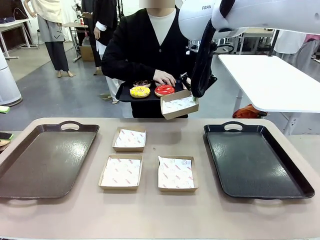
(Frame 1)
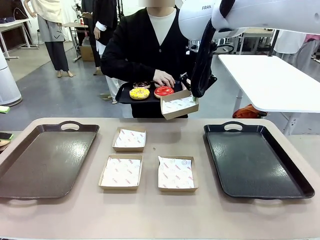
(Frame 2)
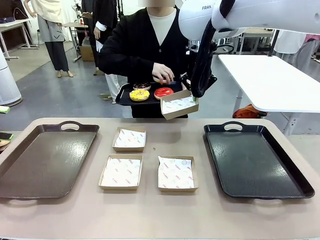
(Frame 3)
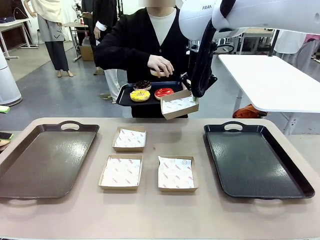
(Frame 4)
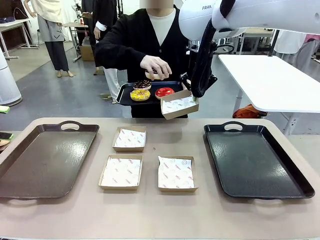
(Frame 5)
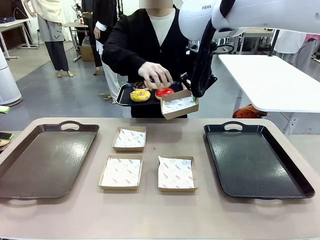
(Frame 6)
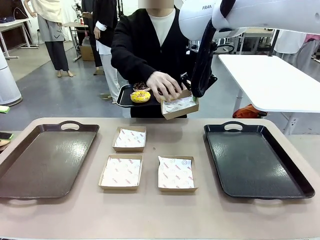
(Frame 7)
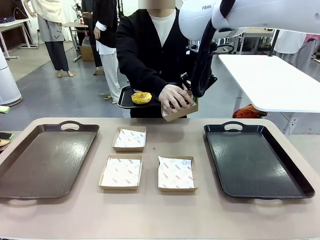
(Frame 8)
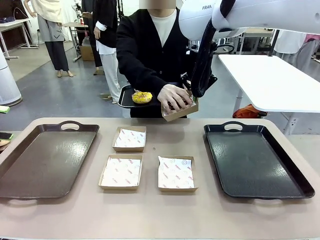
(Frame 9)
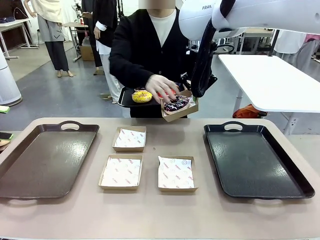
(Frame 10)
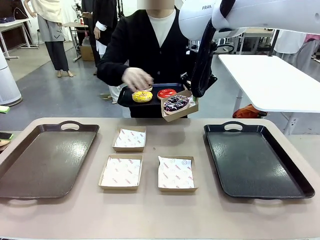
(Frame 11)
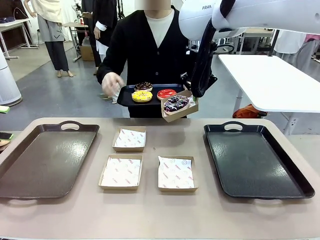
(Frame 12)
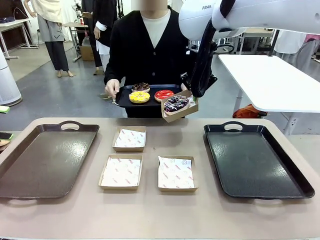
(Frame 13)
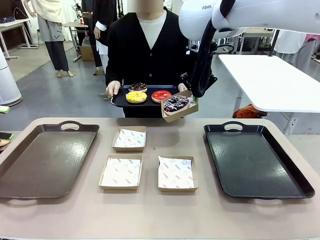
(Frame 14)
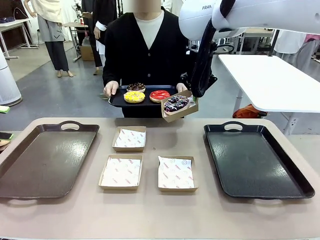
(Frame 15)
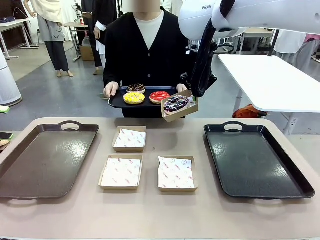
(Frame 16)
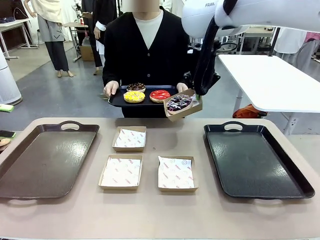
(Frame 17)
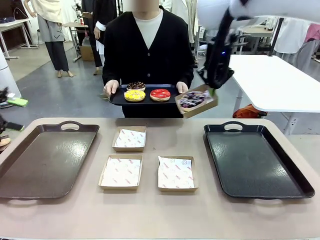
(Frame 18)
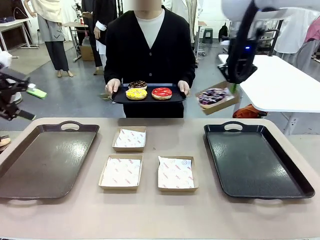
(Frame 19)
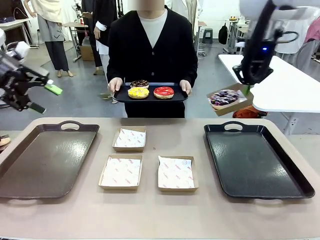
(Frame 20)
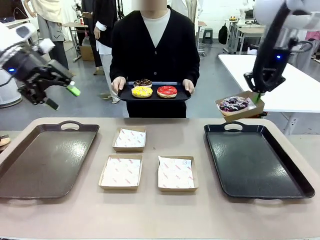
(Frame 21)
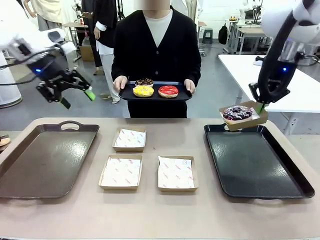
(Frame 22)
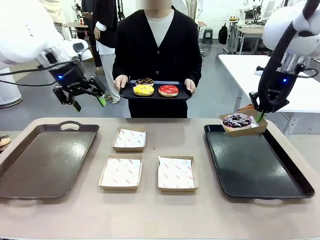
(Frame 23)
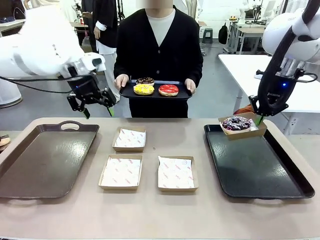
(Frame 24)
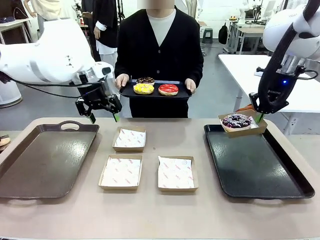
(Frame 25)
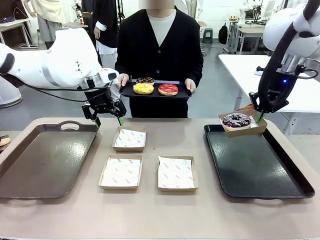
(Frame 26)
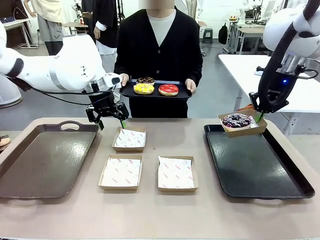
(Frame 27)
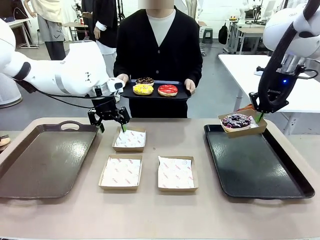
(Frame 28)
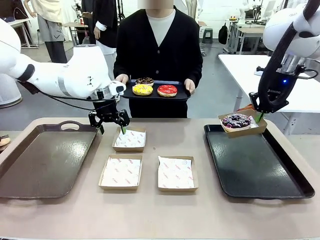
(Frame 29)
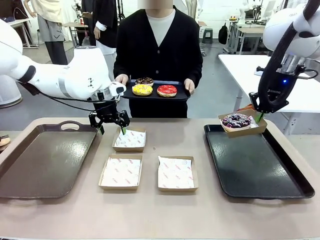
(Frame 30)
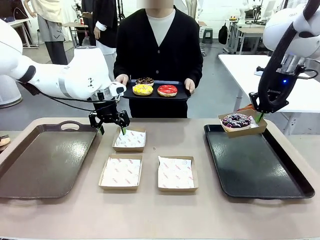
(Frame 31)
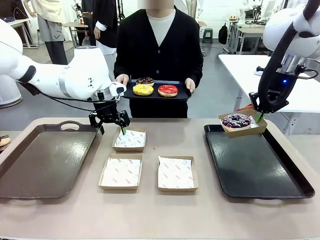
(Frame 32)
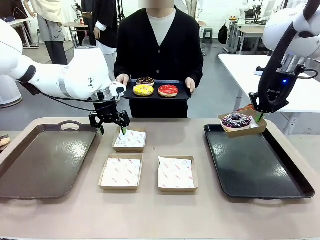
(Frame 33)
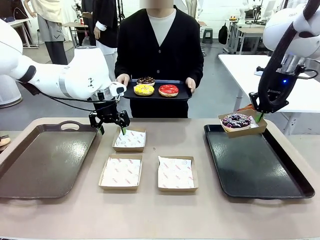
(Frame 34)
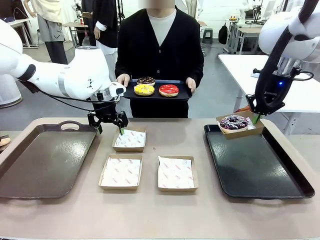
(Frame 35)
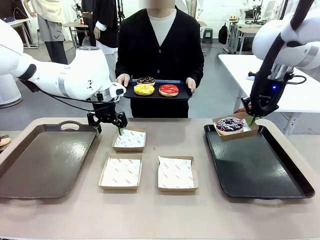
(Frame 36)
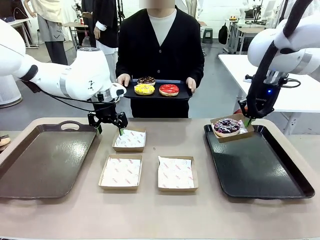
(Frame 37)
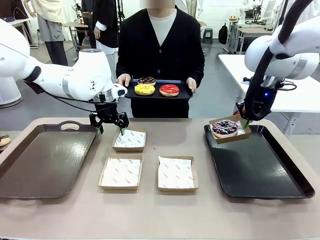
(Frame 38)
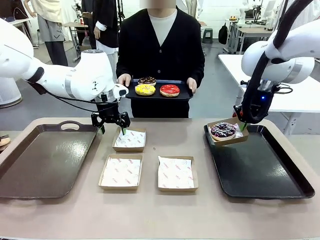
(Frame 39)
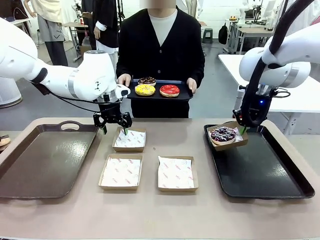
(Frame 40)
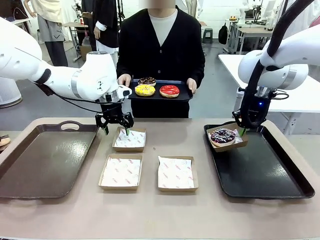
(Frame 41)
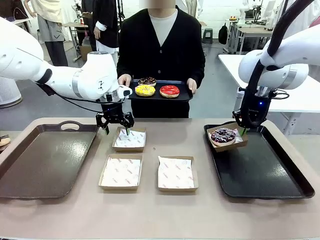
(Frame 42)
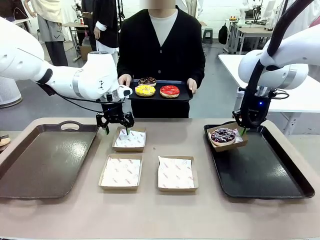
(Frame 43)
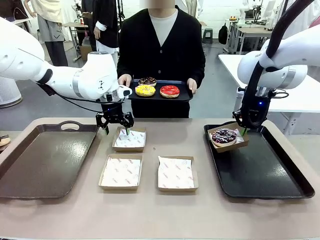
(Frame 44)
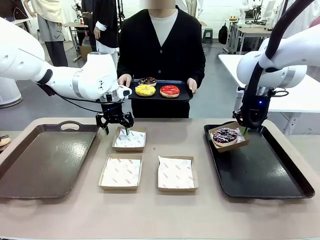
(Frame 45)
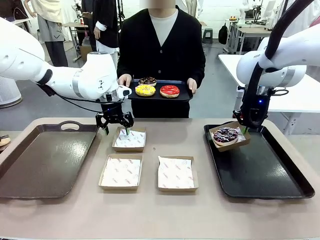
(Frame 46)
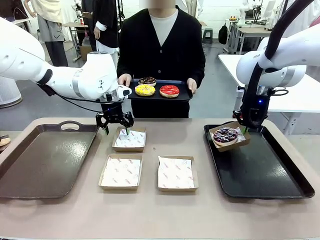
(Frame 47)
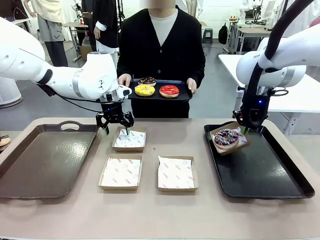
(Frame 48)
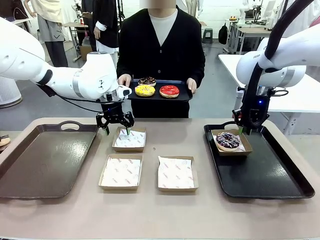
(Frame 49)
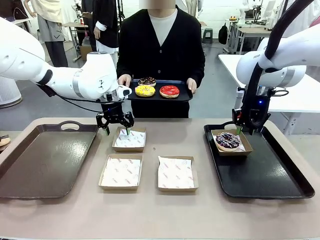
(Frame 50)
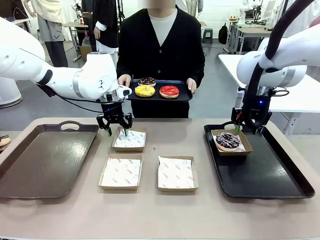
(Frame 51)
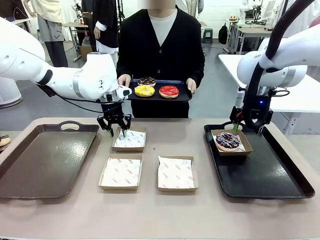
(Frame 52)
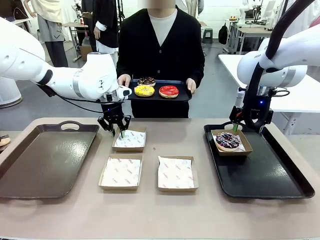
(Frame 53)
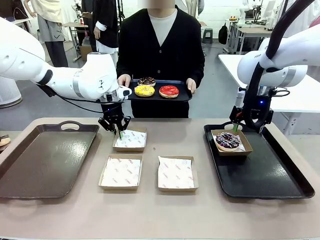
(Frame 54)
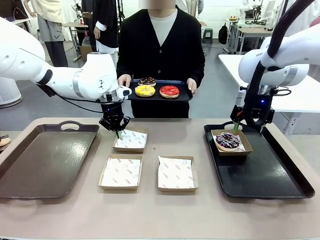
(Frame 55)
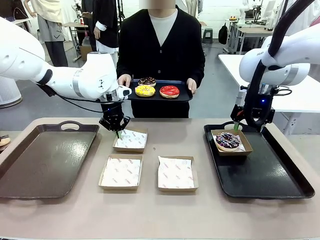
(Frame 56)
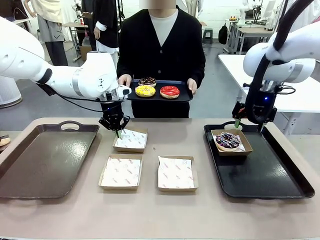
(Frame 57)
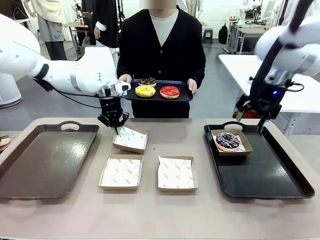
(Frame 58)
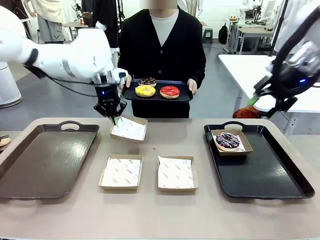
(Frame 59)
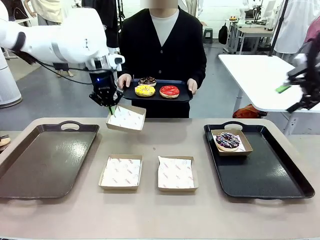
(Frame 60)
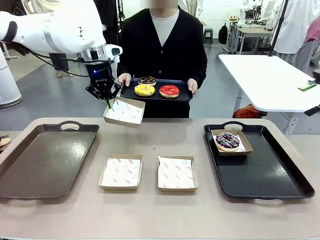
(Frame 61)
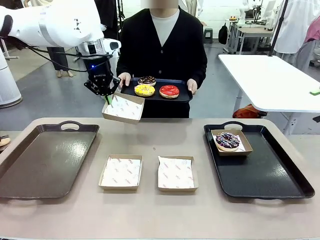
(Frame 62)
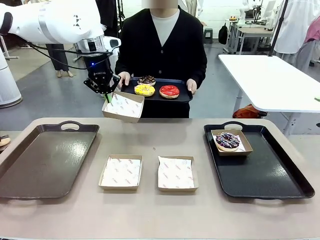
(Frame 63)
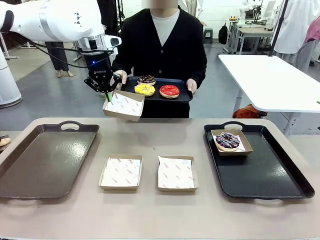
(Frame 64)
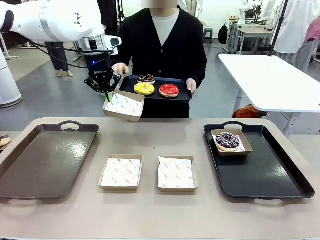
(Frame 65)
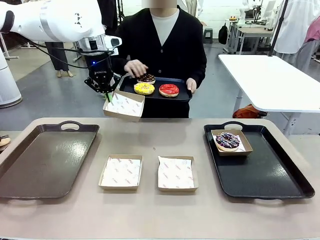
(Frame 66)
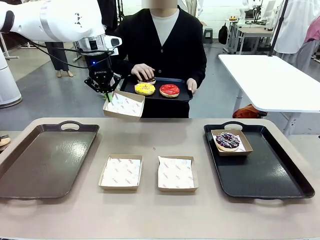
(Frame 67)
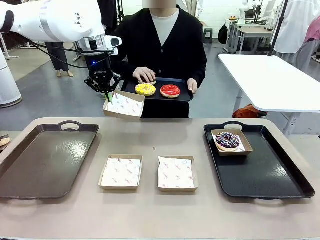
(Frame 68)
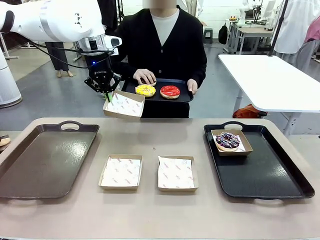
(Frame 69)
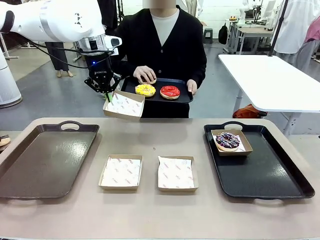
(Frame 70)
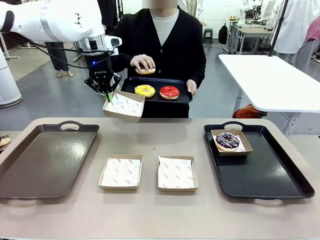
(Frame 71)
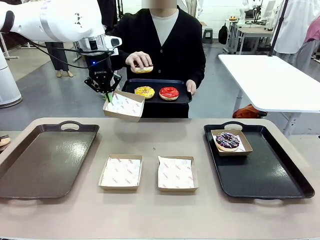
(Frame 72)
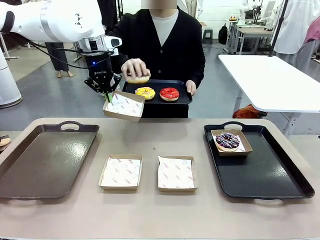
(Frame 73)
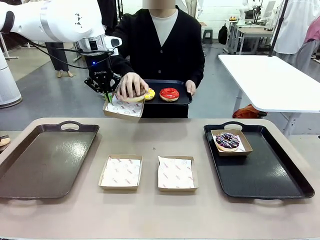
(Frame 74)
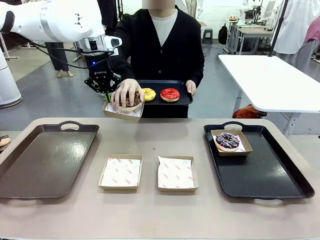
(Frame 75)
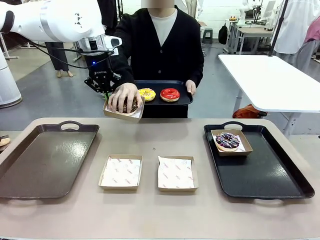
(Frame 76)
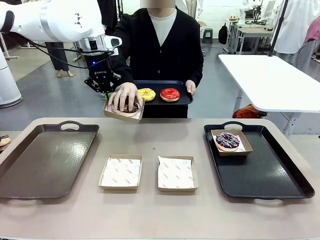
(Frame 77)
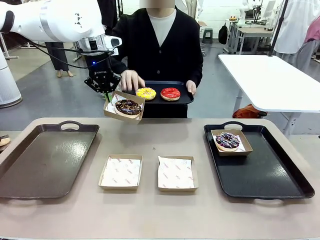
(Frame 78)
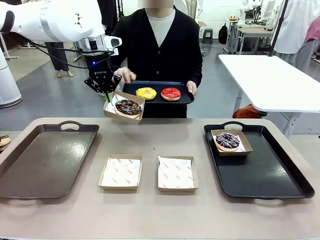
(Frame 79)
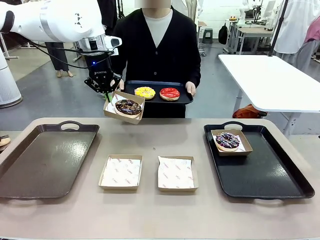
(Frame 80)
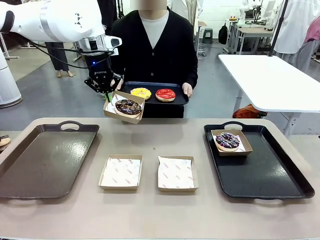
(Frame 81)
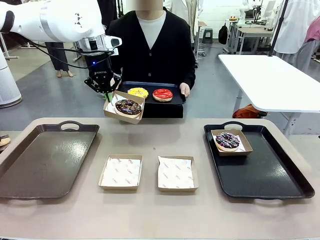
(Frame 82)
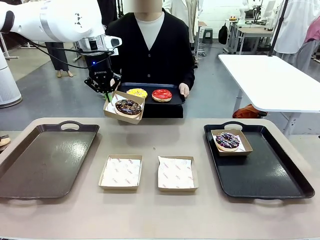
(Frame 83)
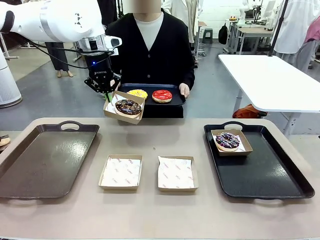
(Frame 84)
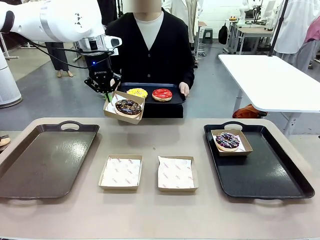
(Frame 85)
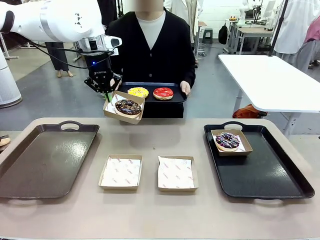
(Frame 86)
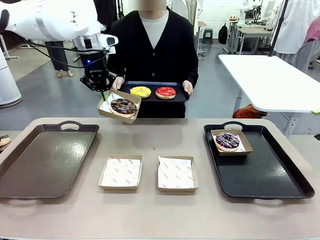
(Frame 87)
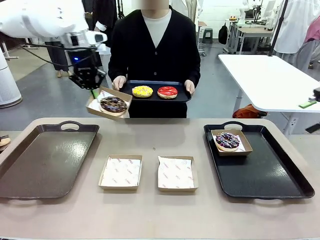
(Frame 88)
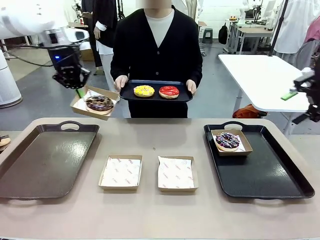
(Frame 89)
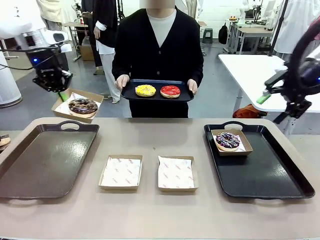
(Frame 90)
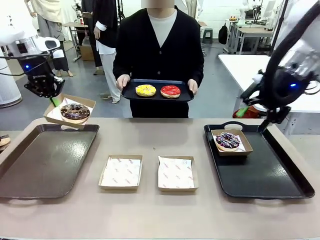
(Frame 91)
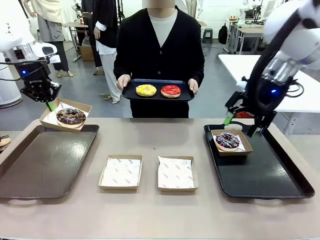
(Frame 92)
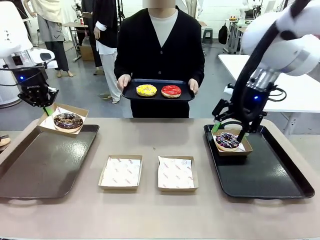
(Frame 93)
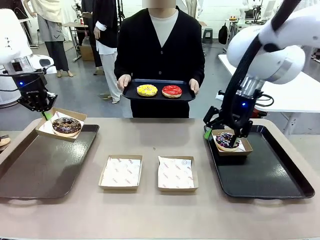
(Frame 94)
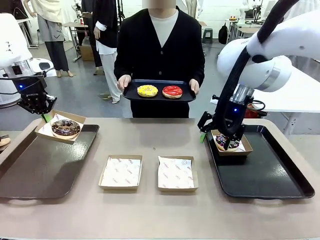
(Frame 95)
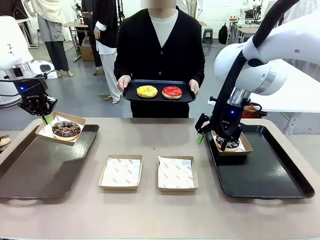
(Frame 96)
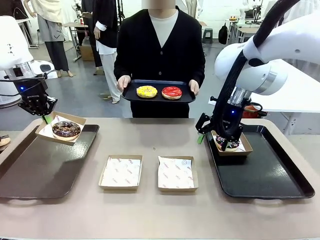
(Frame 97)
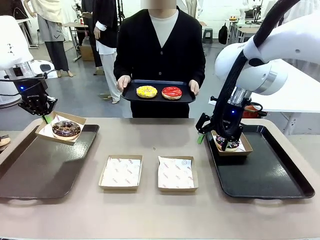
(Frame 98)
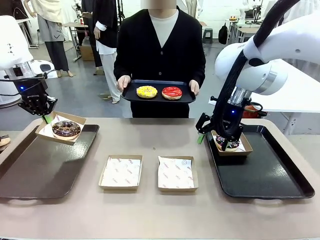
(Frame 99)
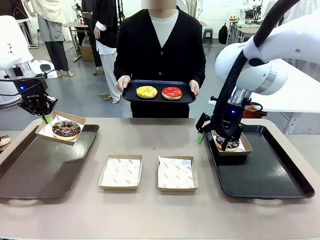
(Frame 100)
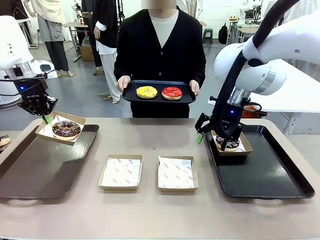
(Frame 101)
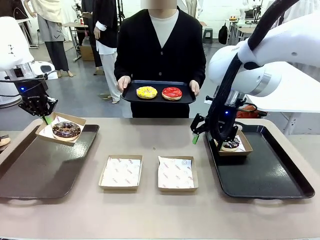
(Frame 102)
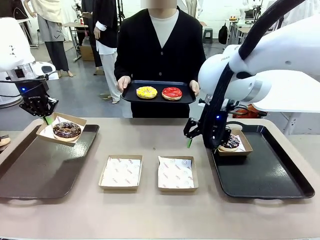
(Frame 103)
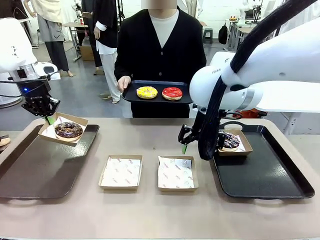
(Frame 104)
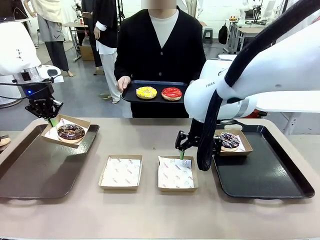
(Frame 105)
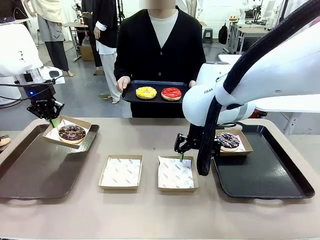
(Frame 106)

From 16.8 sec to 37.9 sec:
Task: Individually package the donuts and arrange them on the tray.
Robot: Place the picked Paper togo box on the Handle tray while simultaneously picking up another Paper togo box from the table with the other hand.
